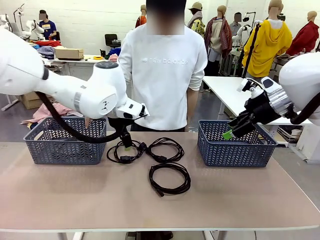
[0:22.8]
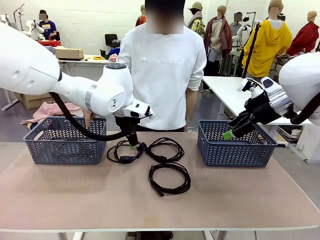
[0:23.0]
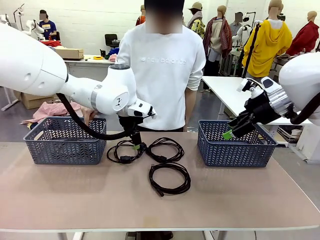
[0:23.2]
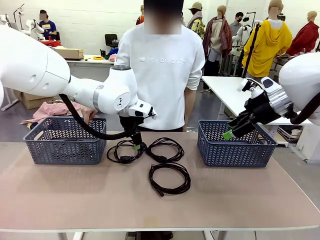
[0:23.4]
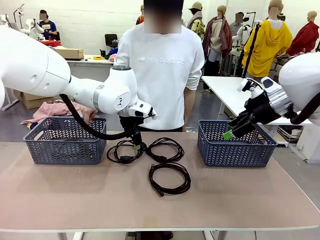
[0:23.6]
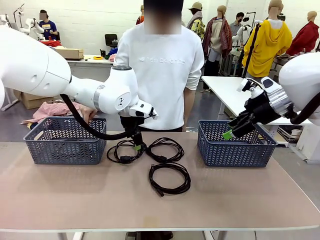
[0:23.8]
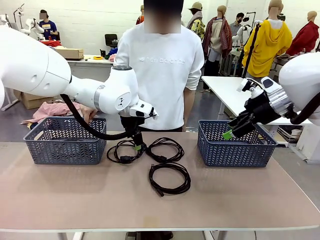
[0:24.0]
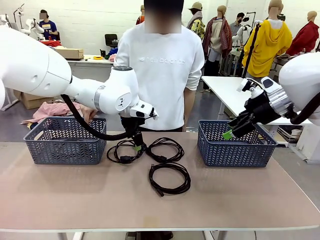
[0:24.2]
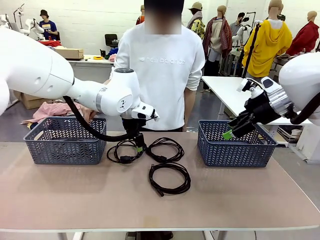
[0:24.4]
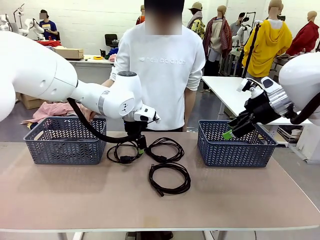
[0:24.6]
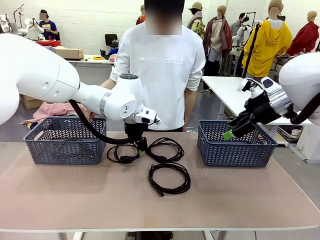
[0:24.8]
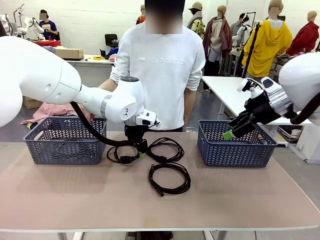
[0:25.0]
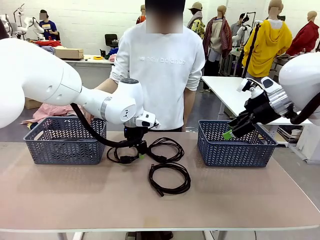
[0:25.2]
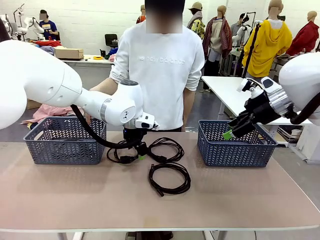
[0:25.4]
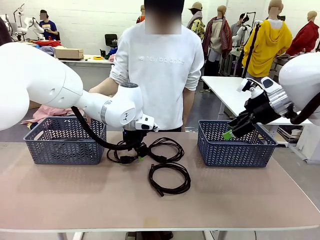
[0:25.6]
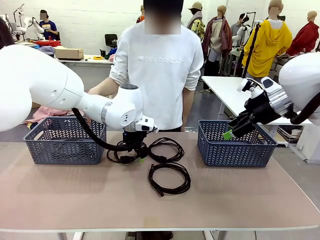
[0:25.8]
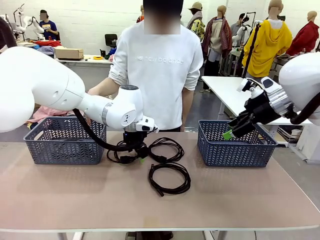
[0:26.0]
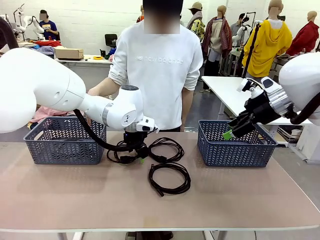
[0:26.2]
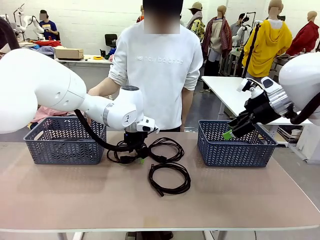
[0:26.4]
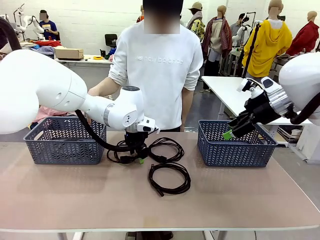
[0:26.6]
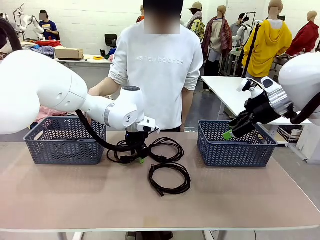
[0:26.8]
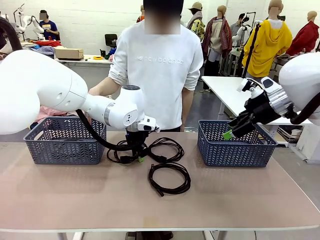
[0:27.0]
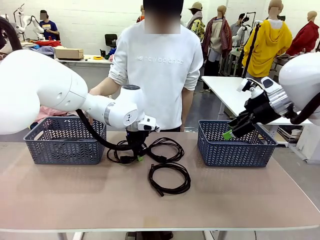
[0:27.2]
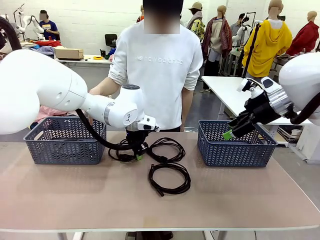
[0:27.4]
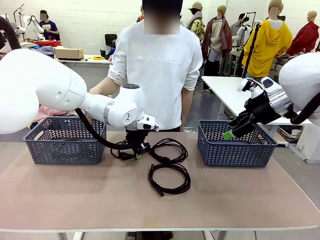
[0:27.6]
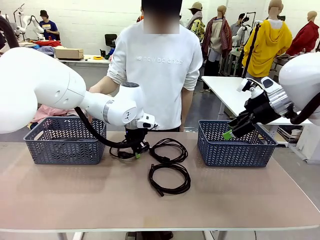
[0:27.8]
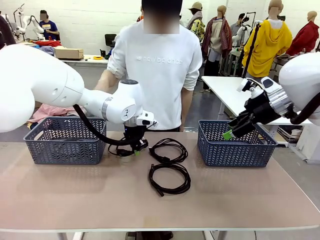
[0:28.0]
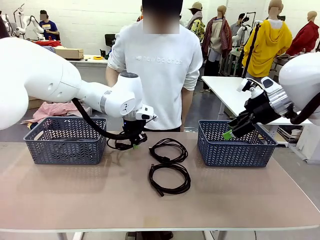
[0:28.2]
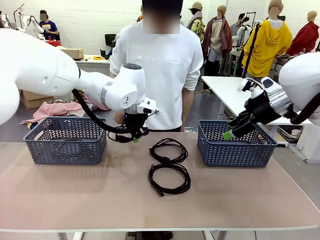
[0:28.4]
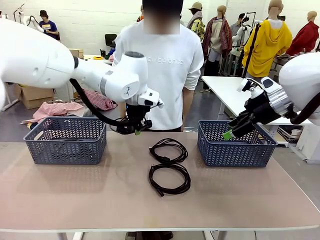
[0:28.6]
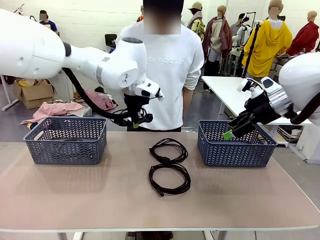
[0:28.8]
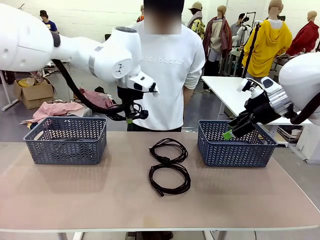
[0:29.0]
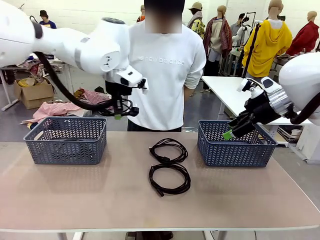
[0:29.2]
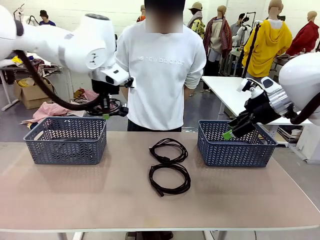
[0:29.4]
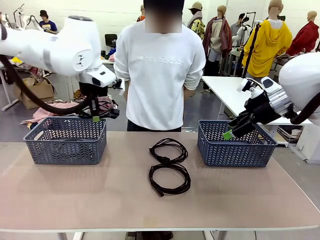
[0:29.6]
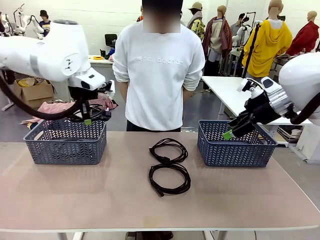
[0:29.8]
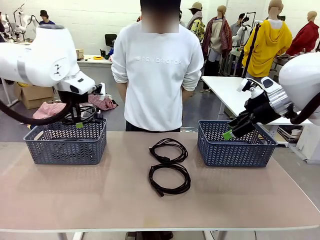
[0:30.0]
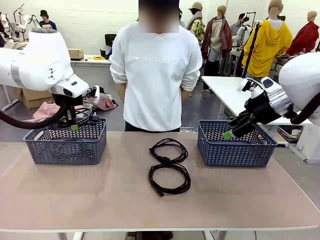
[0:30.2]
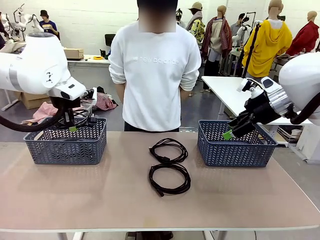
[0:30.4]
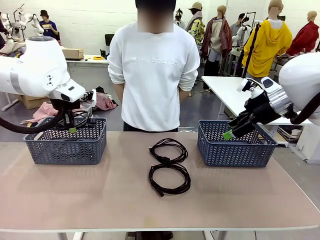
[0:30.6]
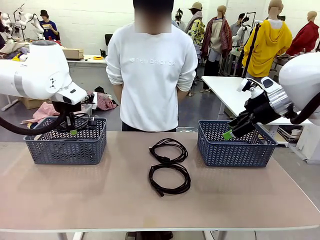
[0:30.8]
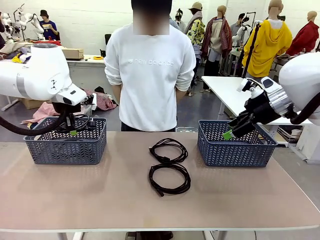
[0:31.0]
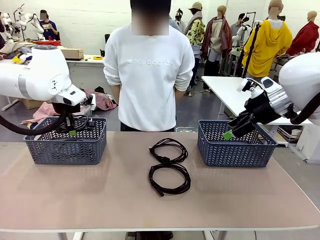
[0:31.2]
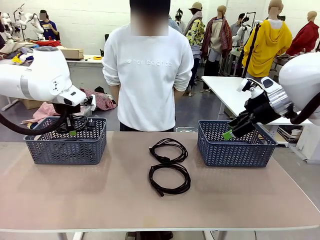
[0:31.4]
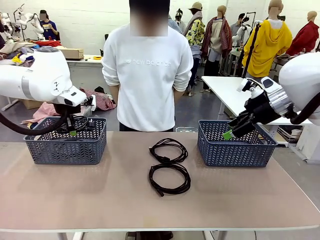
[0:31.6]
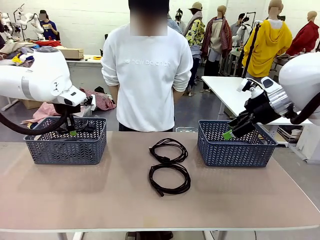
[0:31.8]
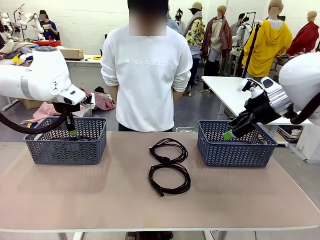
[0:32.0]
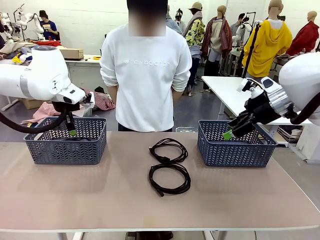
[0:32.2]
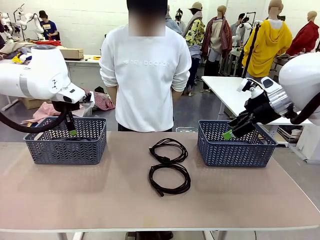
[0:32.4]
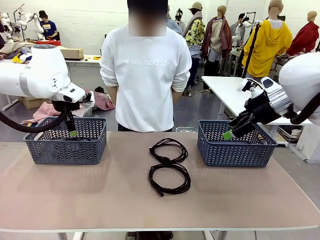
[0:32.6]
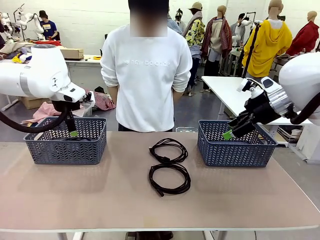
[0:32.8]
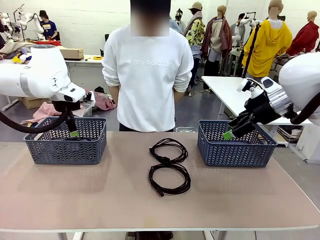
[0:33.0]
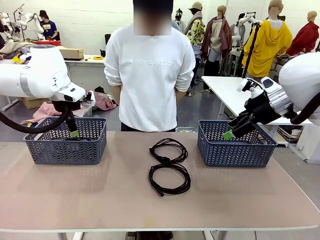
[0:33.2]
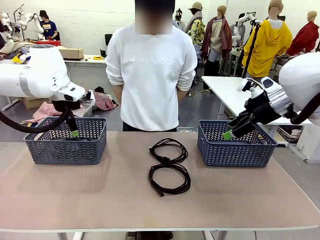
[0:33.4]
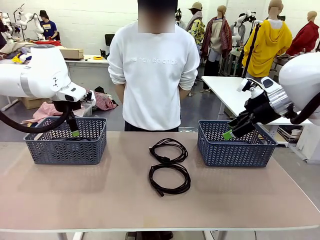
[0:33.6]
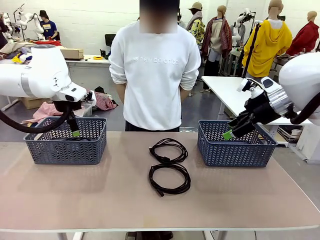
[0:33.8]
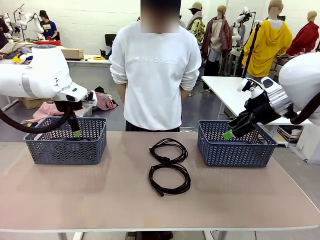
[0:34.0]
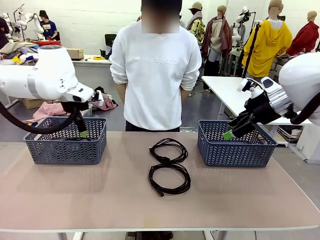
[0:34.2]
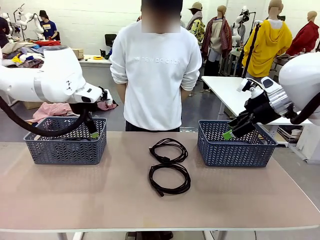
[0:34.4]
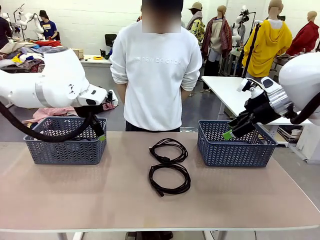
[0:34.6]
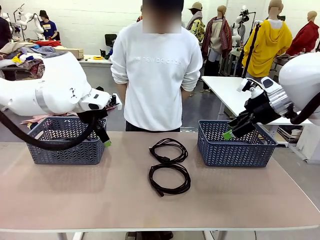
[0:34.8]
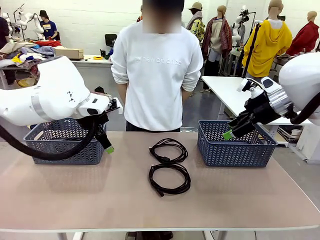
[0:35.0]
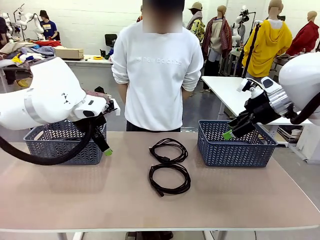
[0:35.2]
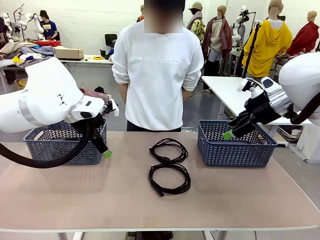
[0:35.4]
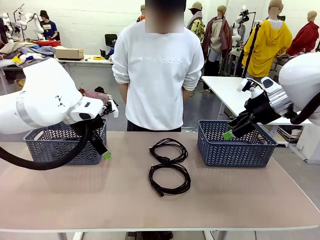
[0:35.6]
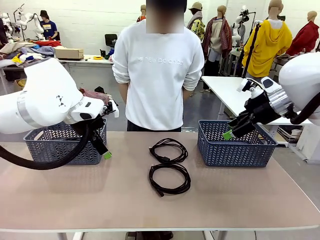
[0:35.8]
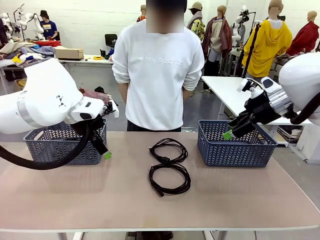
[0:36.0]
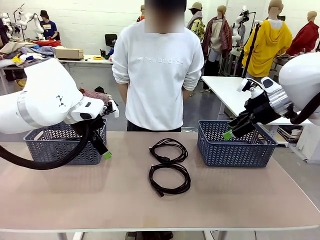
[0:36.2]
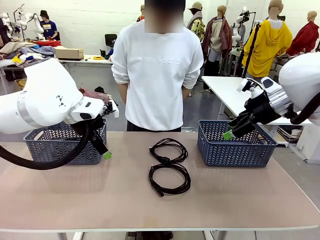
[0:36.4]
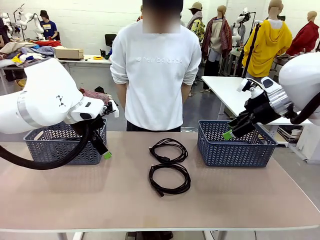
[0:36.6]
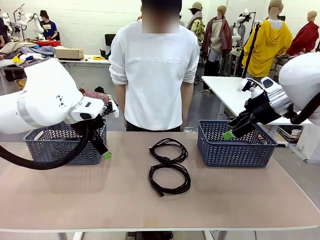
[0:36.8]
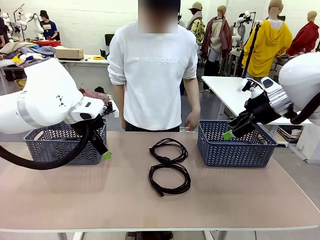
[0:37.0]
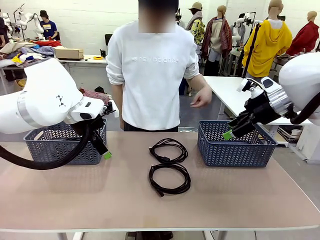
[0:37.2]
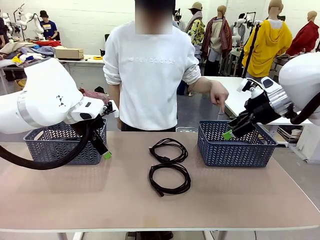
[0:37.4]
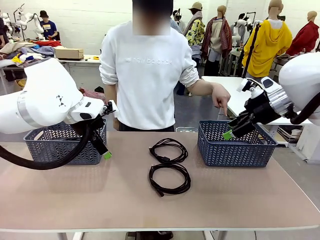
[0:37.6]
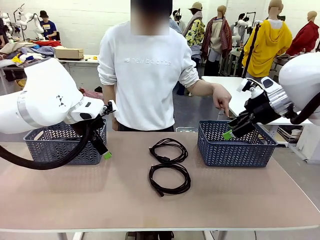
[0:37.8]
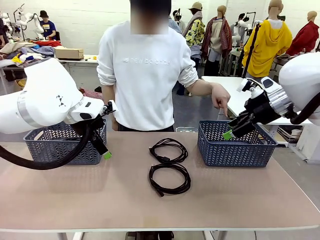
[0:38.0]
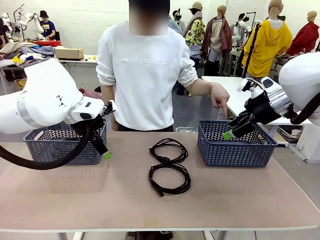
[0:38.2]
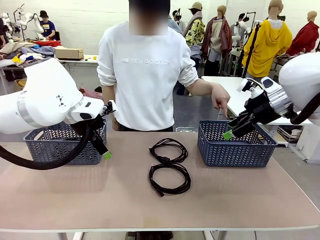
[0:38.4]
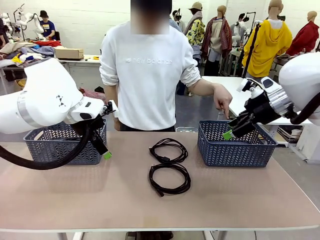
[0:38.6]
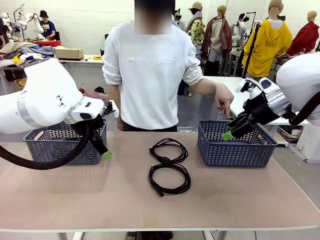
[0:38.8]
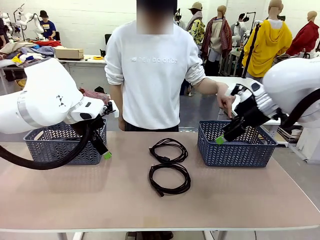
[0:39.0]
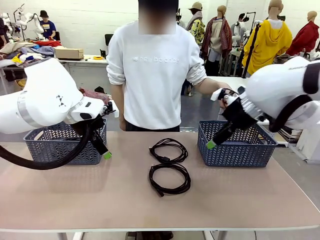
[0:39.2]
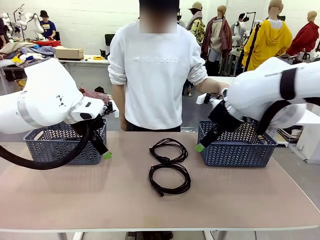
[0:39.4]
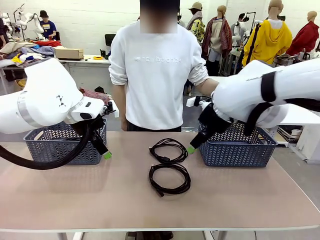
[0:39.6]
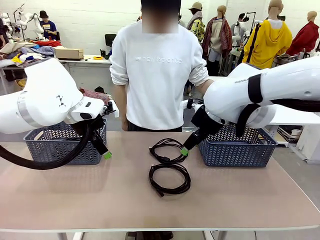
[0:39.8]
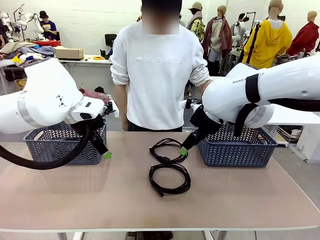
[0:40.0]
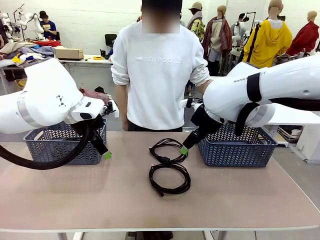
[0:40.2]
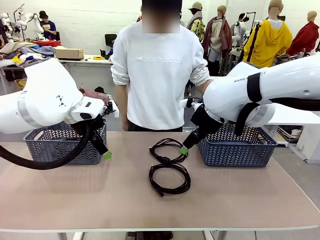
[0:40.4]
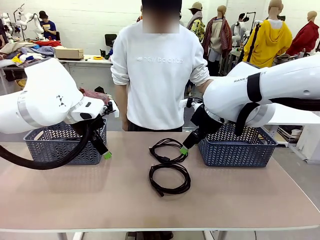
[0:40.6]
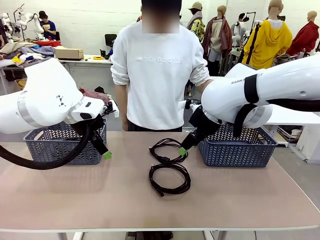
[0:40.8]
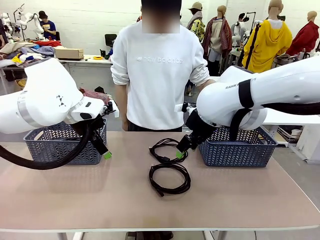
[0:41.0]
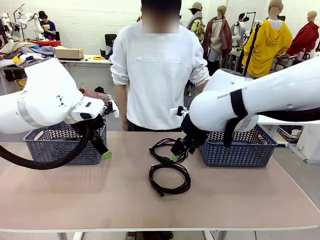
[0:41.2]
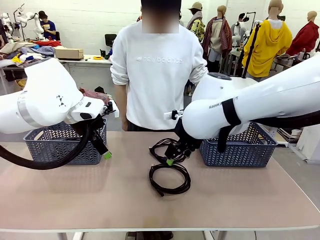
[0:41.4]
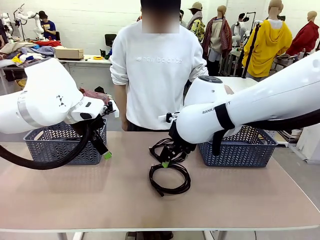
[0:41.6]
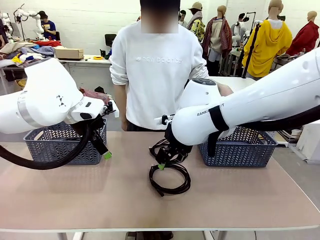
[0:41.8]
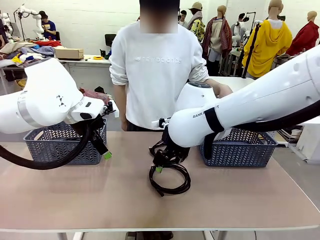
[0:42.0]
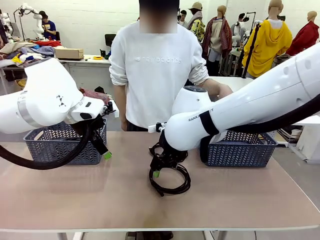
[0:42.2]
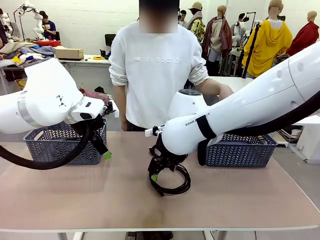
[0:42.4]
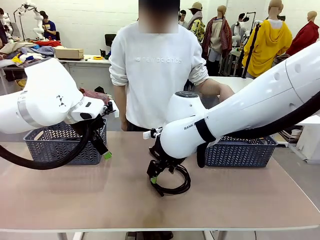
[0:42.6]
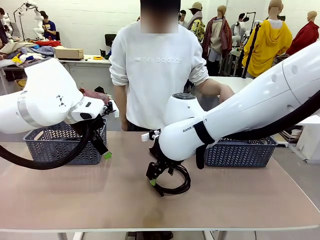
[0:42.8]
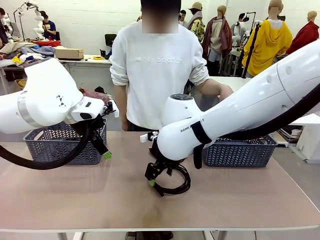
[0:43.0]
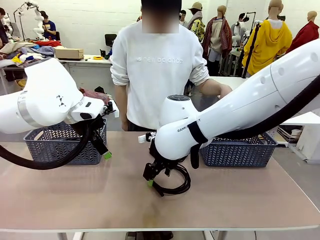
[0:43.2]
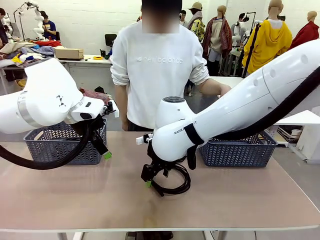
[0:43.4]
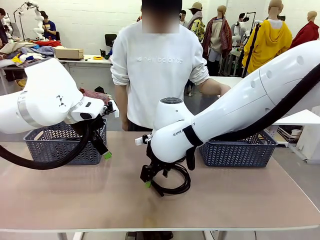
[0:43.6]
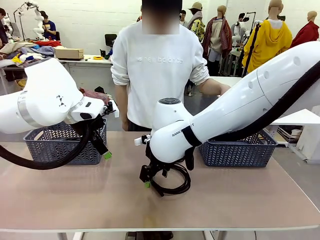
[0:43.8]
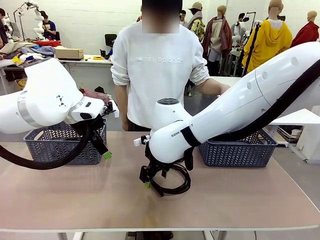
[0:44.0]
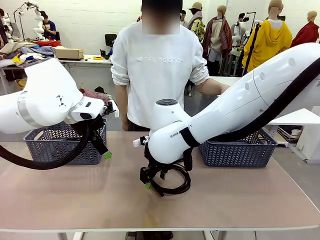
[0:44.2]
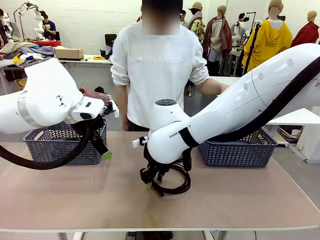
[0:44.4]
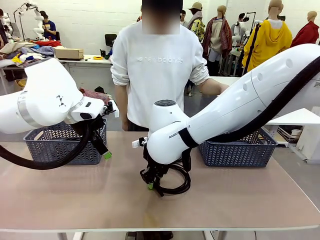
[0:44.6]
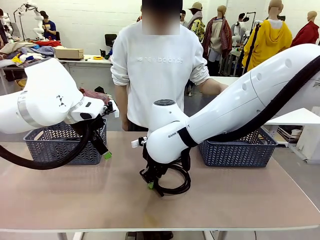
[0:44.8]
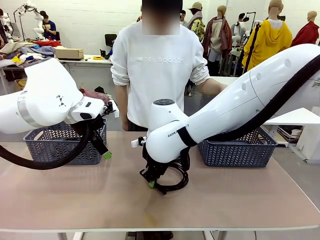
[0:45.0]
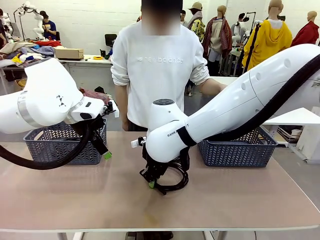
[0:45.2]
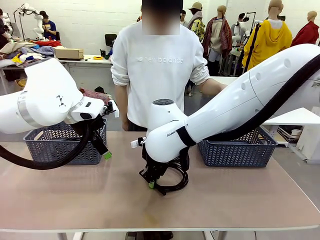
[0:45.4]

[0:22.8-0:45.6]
Task: Organize the cables according to human instructions.
Robot: Pick up a bundle of cables and place it in the basket indicated by the human.
